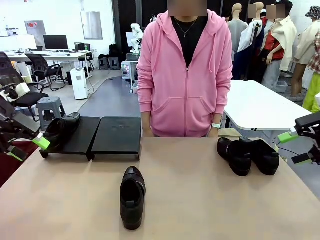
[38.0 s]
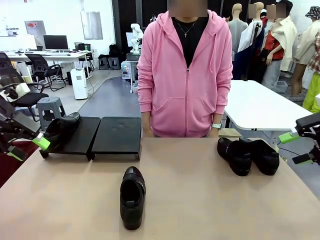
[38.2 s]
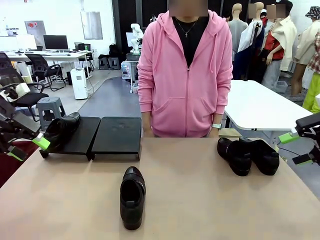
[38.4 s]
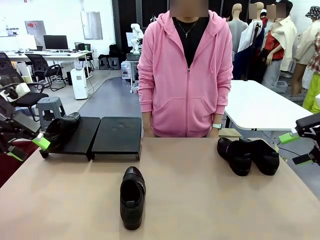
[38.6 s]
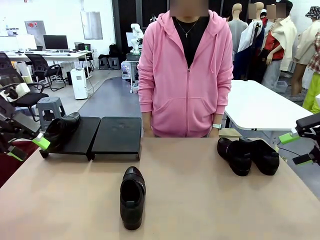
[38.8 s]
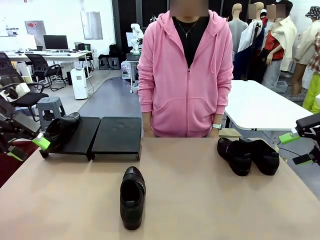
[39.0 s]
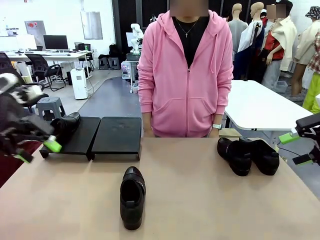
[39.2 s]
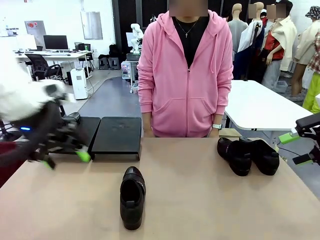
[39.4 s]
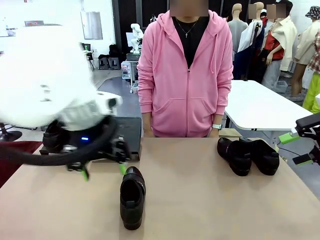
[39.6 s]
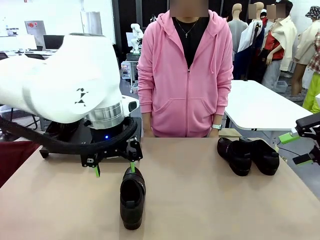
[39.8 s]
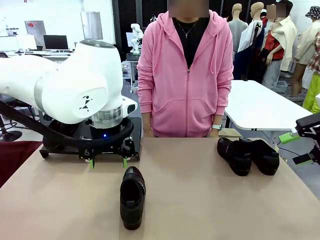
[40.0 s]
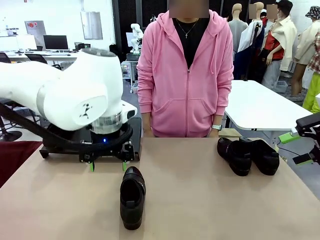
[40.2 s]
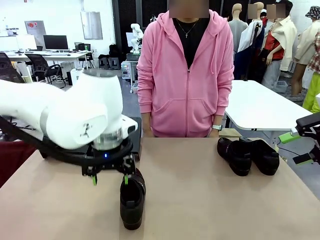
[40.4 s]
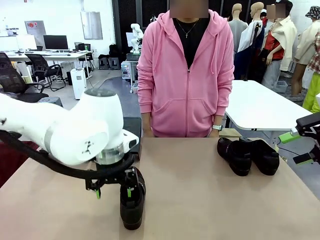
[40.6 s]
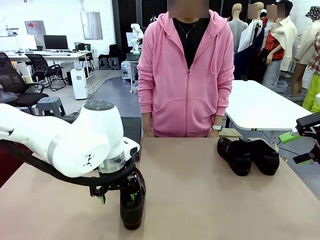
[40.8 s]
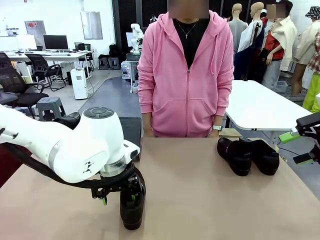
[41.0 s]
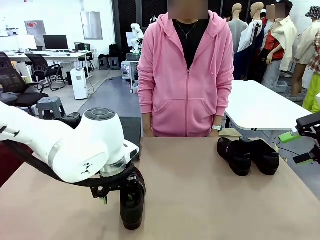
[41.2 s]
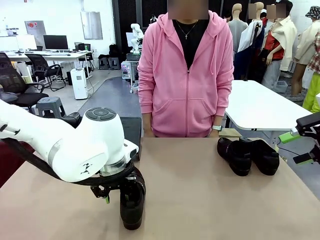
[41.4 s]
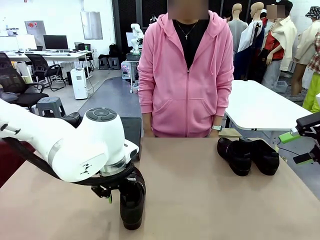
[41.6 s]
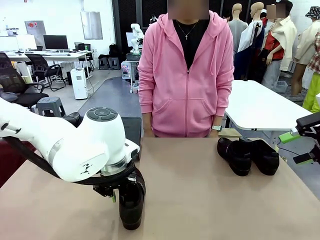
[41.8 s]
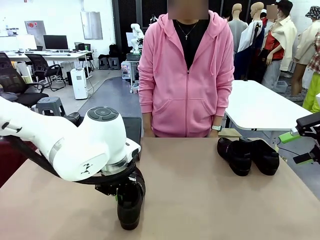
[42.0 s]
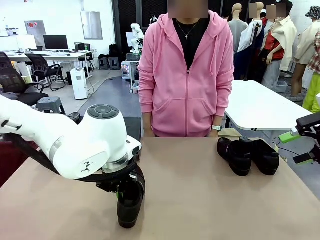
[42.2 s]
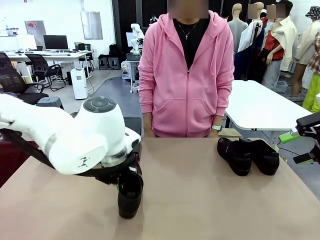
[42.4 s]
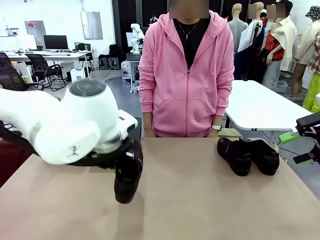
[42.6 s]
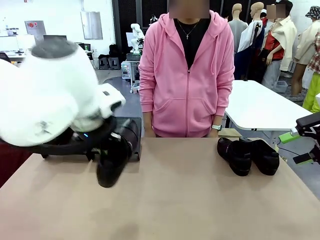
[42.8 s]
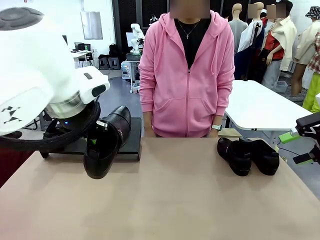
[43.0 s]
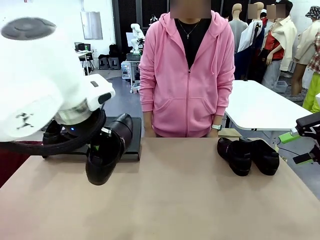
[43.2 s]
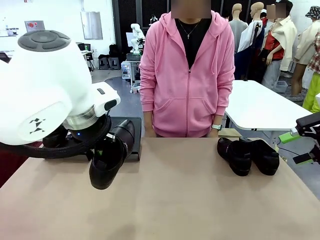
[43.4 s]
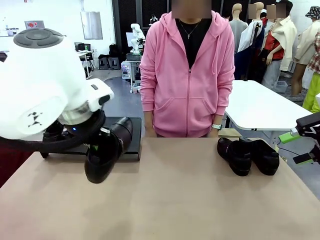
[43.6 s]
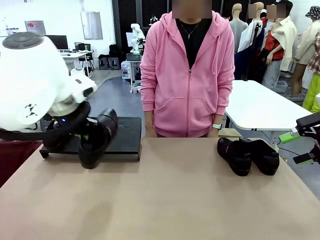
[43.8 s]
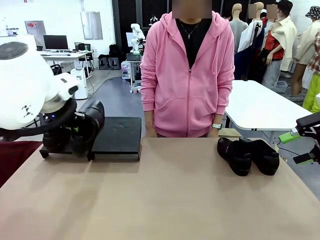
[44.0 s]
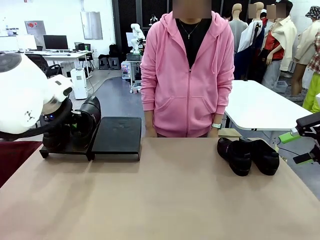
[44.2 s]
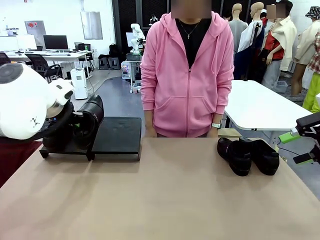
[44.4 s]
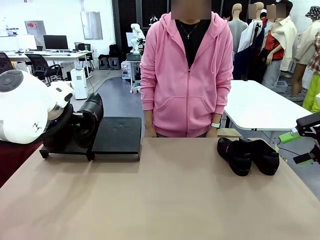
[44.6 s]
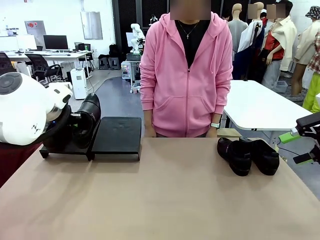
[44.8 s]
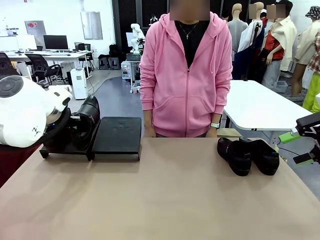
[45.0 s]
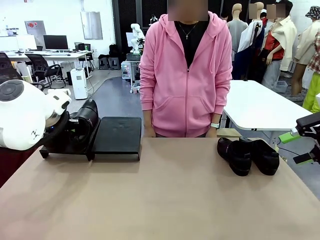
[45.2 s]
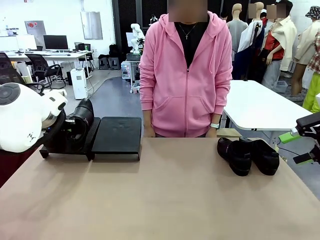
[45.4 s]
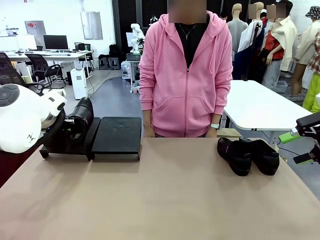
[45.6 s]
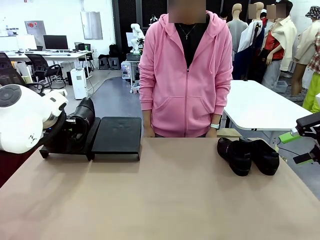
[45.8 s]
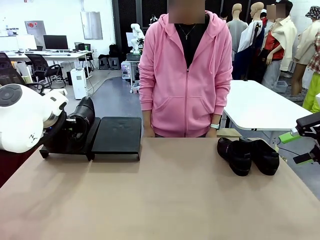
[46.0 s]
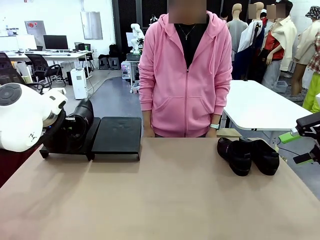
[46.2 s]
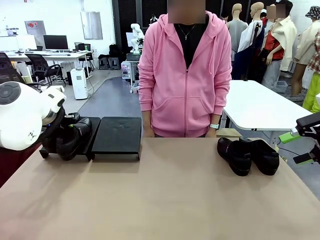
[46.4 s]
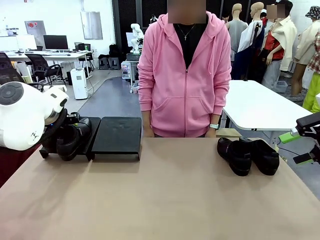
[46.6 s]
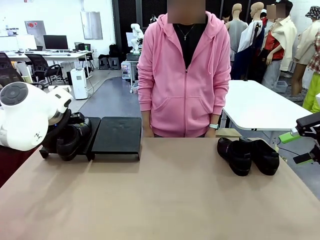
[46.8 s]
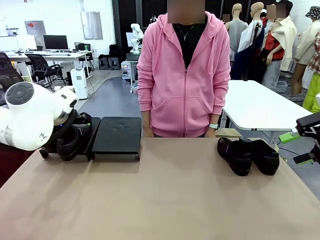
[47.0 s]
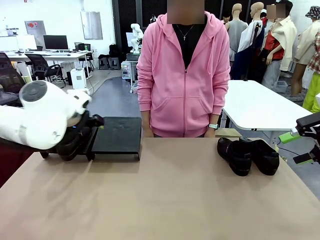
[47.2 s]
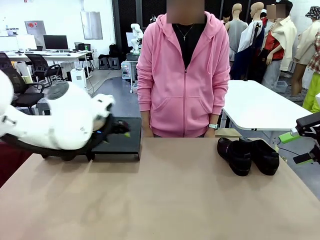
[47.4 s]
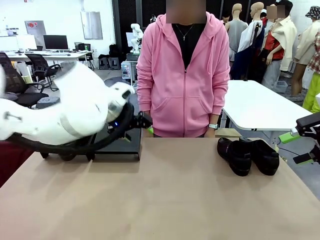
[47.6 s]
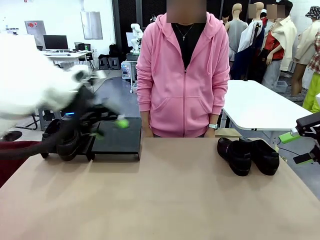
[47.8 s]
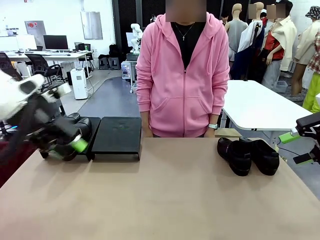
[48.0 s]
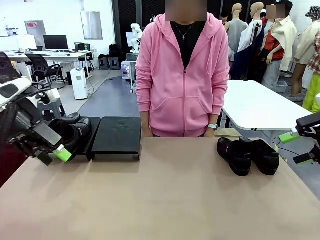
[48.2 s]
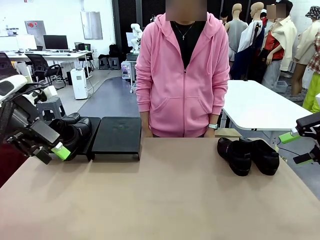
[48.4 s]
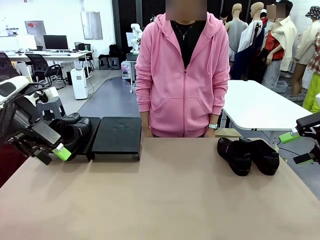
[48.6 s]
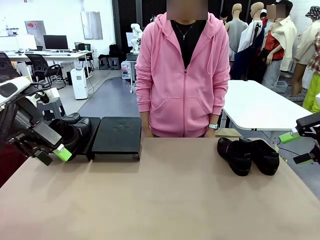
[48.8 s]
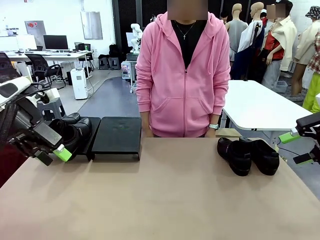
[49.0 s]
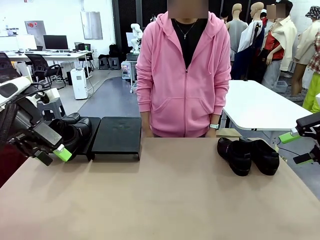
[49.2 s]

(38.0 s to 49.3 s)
Task: Organize the shoes by placing them on the stand.
Robot: Place the Shoe from the middle of the table onto the Shoes Stand.

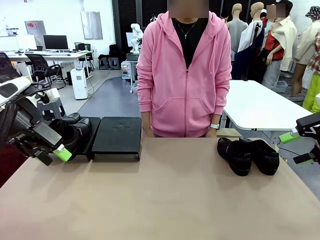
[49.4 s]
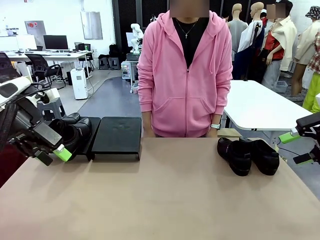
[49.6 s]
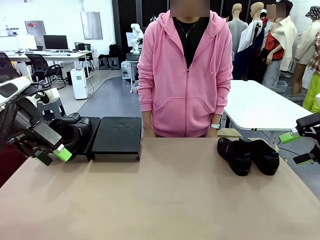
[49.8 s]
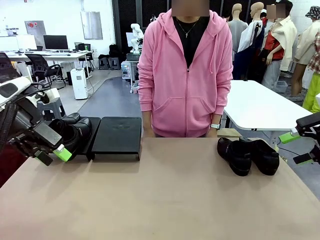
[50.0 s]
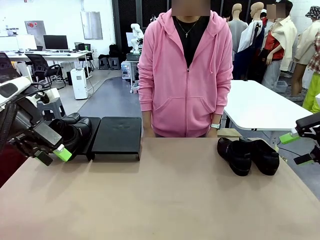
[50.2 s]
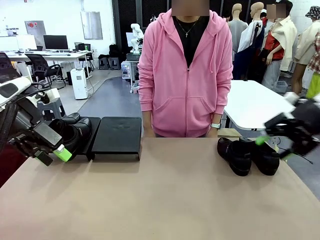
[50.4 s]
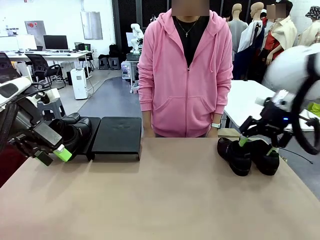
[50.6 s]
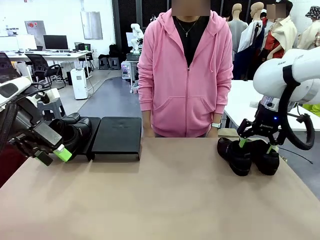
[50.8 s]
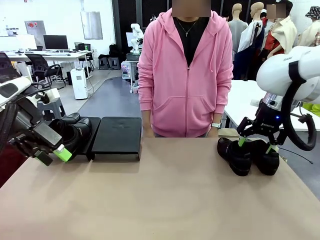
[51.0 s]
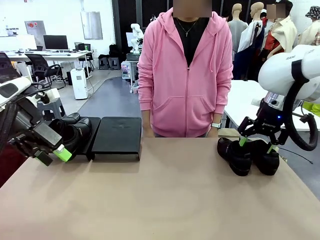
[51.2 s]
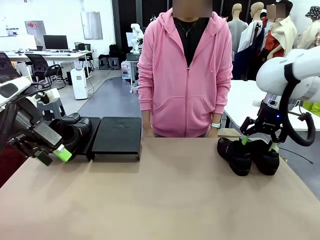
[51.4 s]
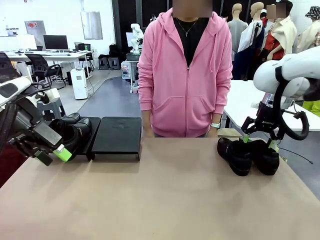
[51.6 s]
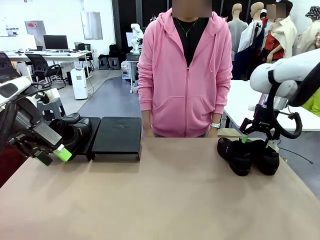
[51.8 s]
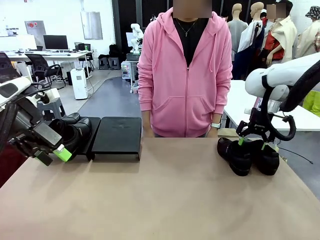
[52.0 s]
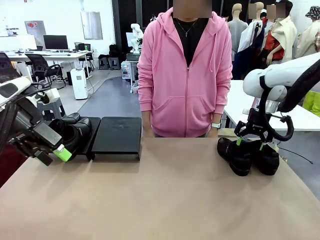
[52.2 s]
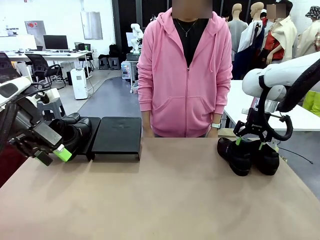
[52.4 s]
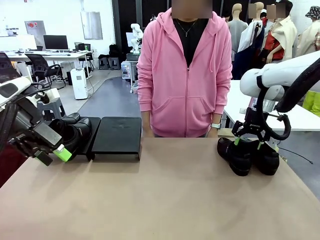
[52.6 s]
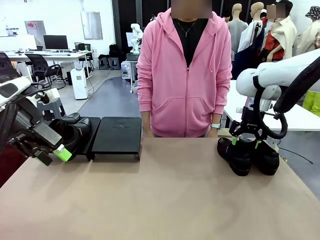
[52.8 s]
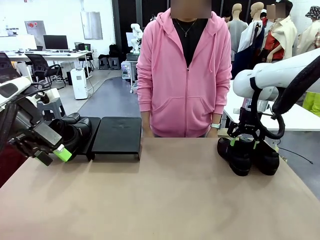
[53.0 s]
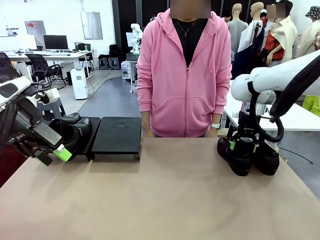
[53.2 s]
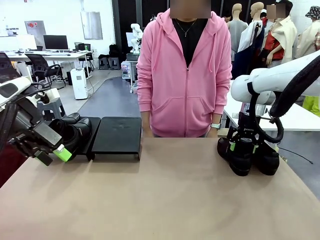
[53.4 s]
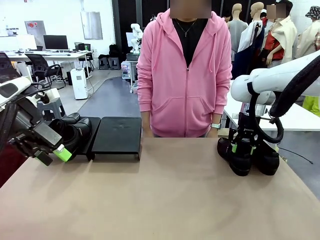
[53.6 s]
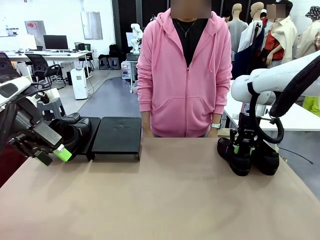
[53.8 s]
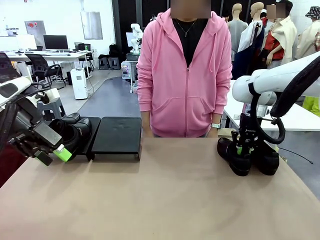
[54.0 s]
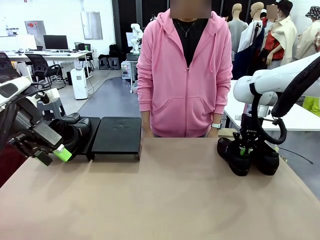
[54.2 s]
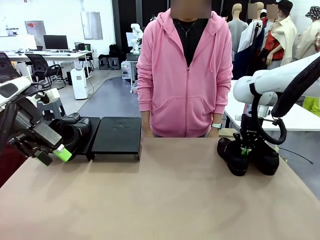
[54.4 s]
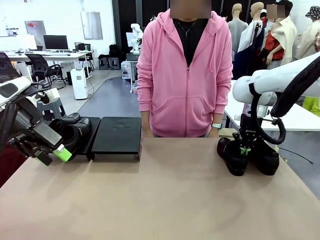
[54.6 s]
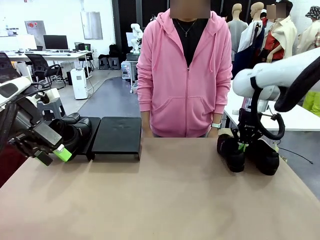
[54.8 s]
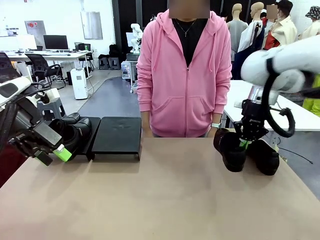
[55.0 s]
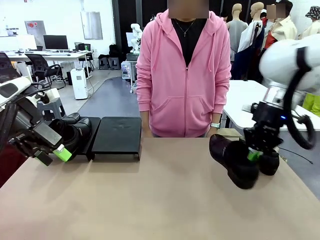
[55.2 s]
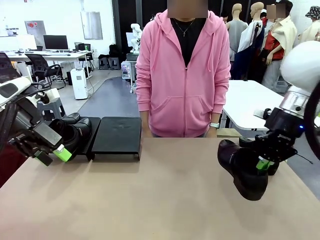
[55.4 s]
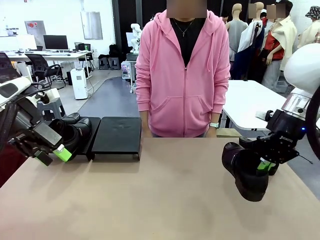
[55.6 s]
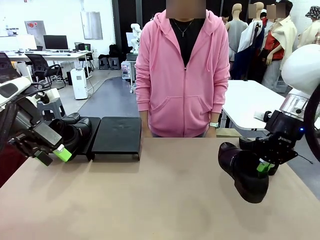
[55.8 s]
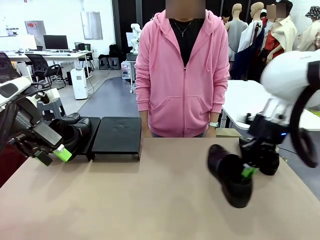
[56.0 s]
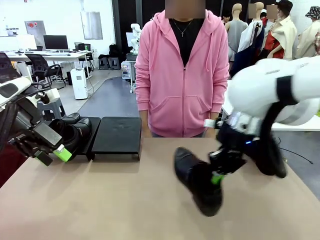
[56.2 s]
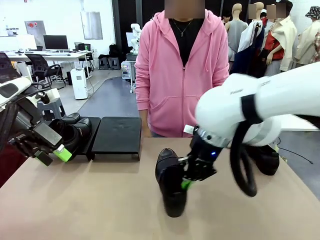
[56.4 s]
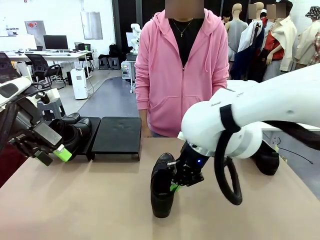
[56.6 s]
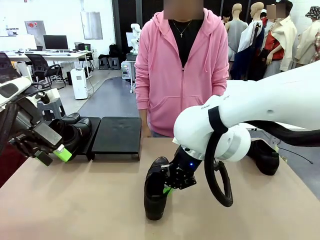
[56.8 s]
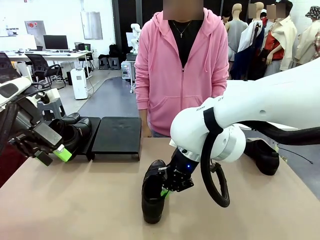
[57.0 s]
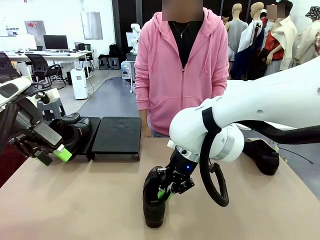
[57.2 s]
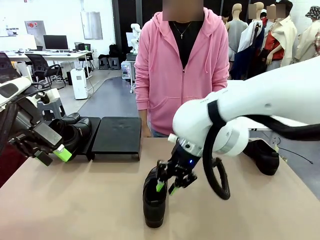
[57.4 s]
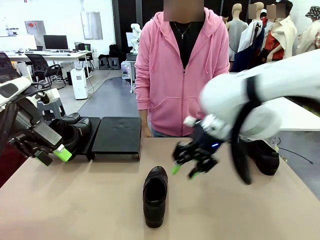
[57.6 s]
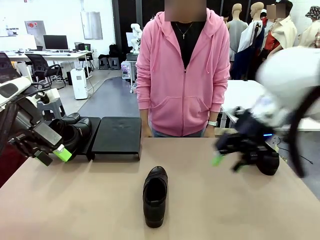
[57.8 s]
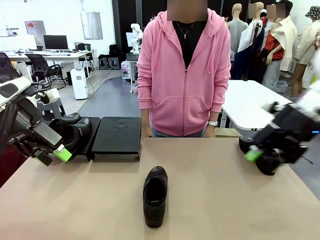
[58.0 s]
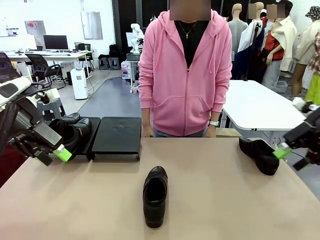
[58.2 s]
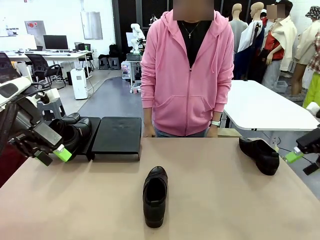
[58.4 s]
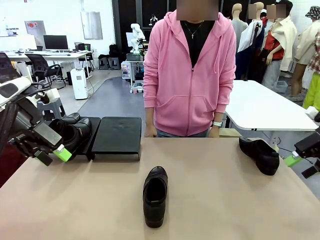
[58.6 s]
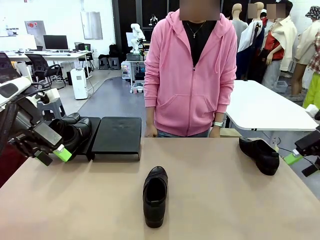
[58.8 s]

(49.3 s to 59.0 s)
Robot: Pick up one Shoe and place it in the middle of the table.
